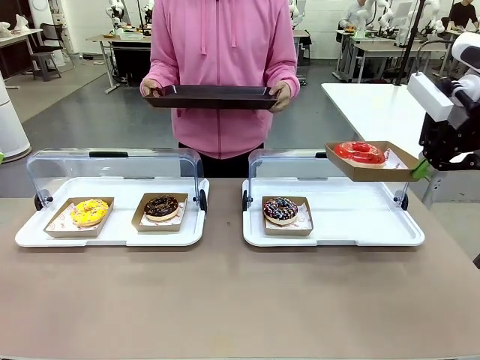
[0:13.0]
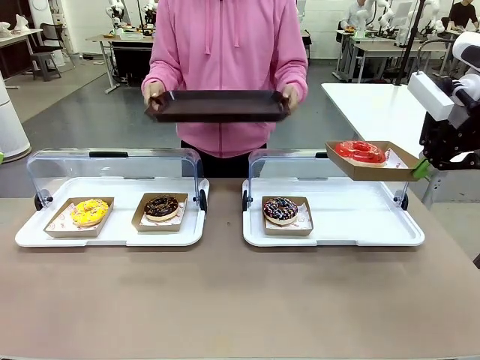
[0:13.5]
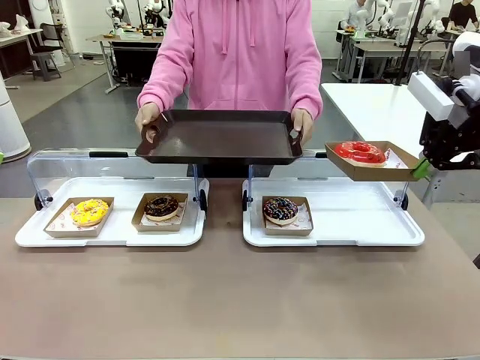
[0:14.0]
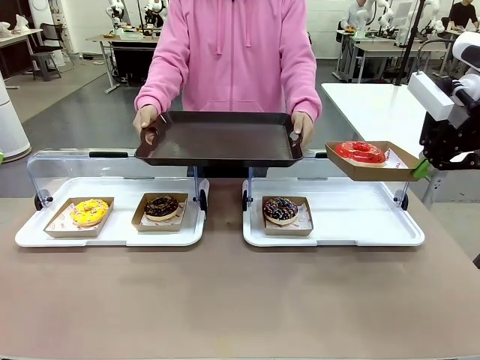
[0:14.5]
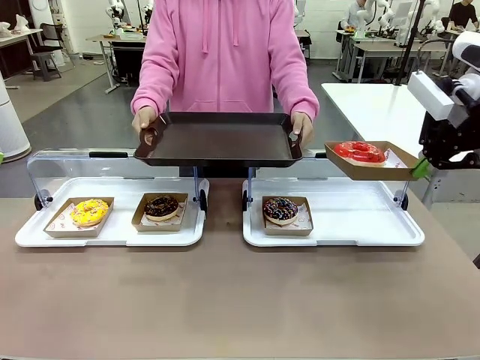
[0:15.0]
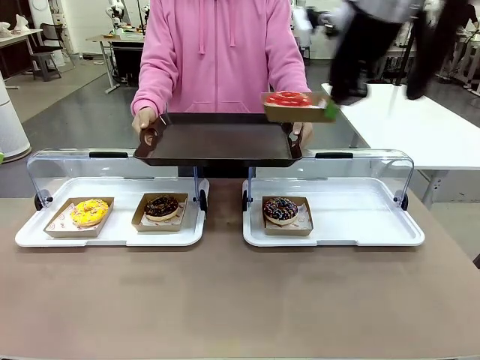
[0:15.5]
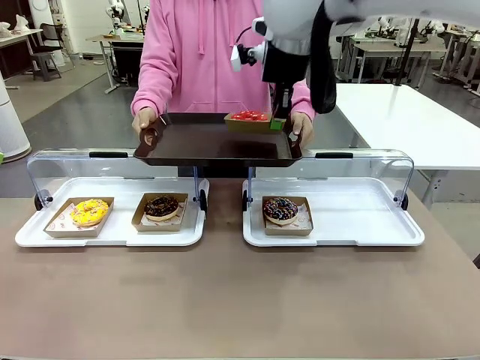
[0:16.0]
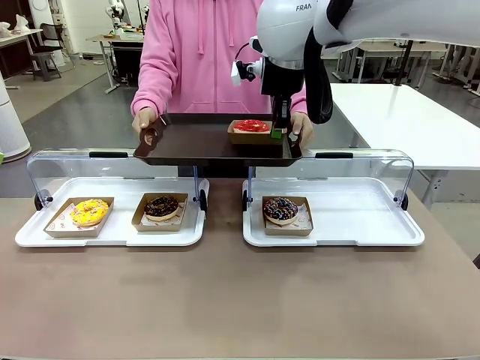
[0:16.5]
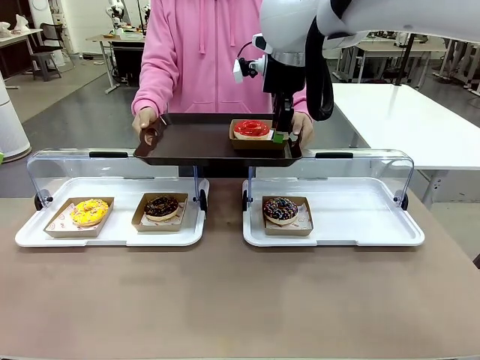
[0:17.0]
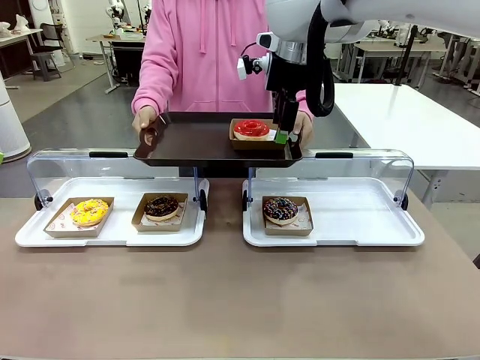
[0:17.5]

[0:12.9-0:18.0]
Task: Provide the desired donut to the person.
Robot: Place the picked Paper togo box onto the Handle tray extended by the person.

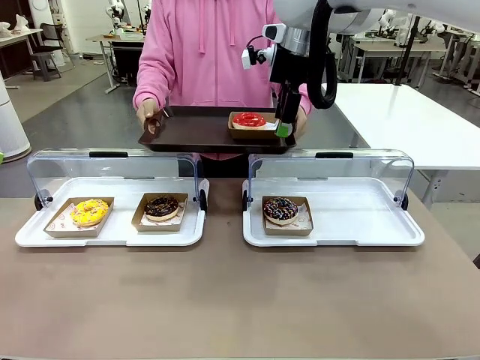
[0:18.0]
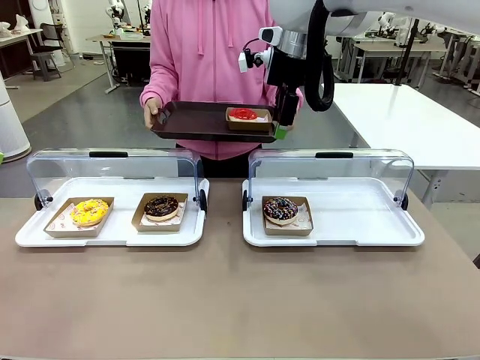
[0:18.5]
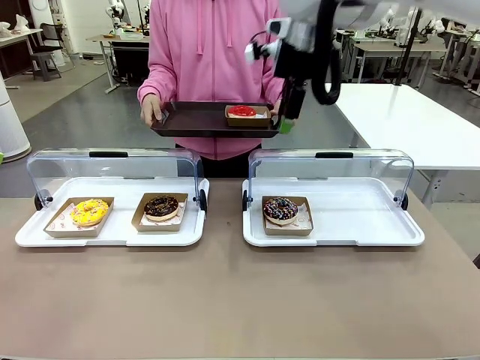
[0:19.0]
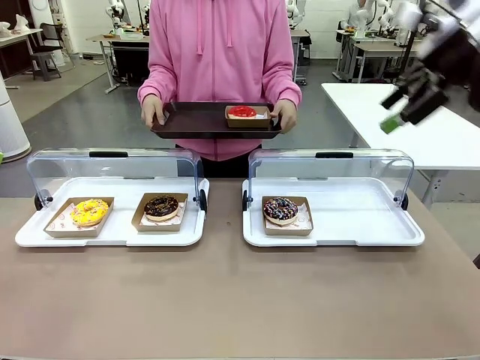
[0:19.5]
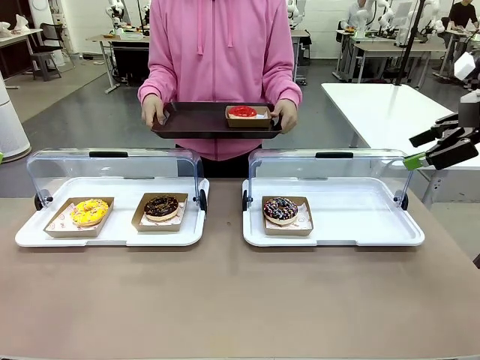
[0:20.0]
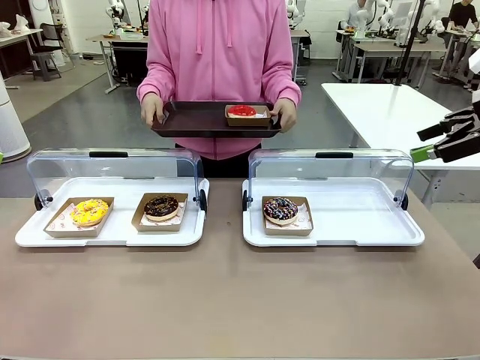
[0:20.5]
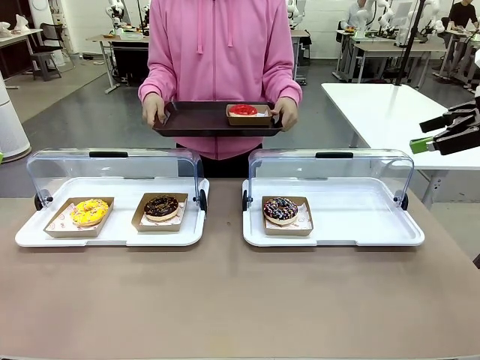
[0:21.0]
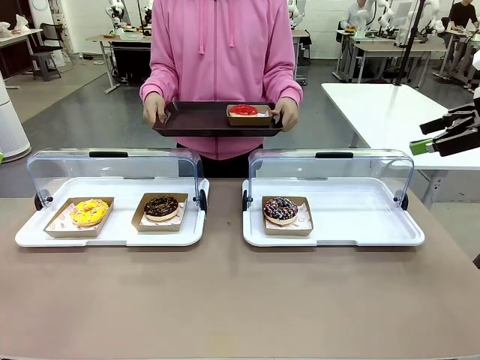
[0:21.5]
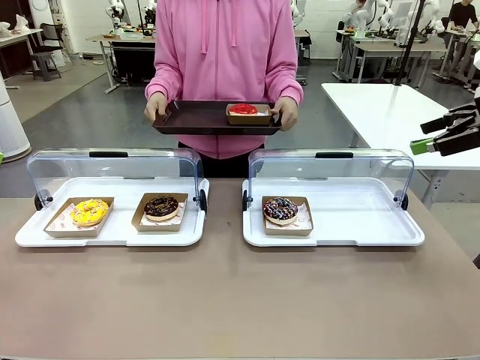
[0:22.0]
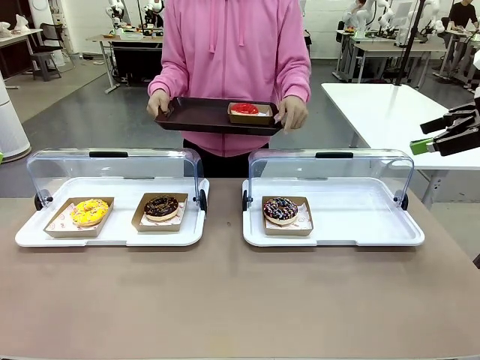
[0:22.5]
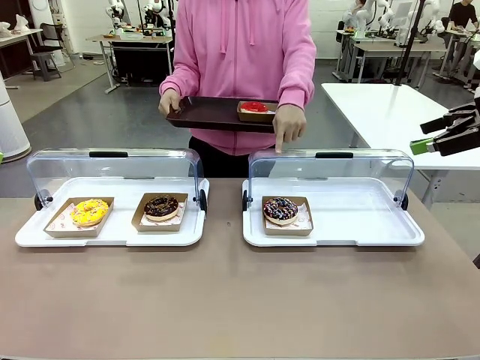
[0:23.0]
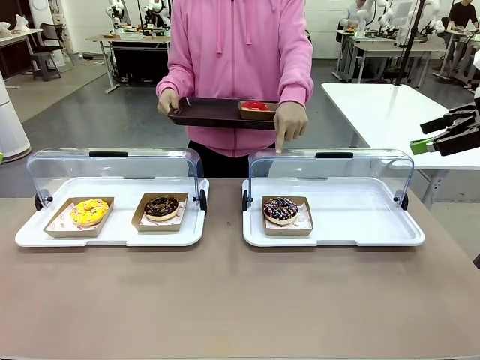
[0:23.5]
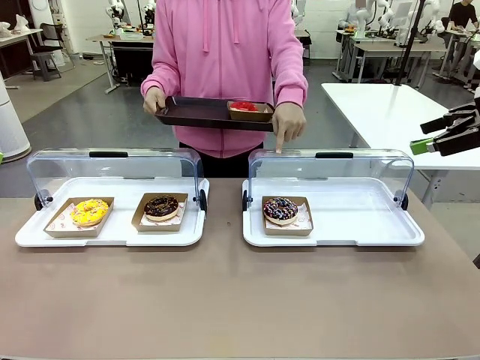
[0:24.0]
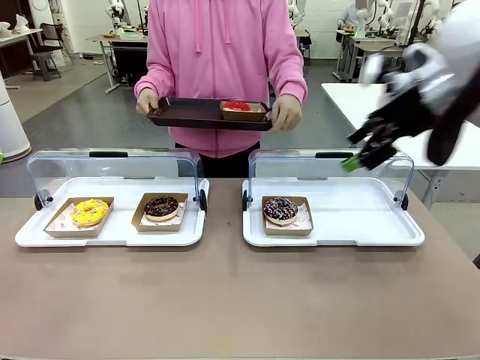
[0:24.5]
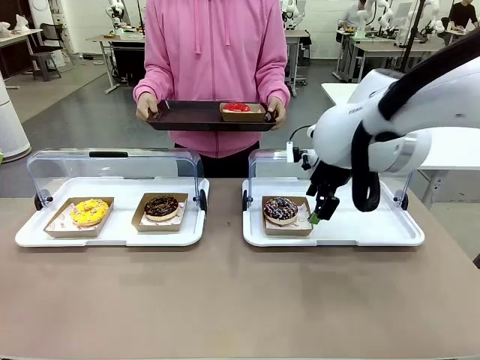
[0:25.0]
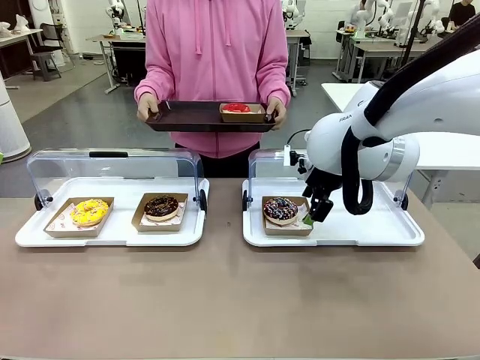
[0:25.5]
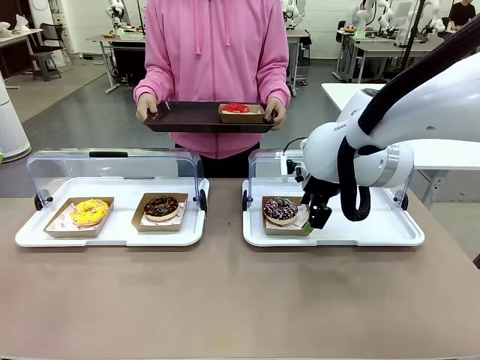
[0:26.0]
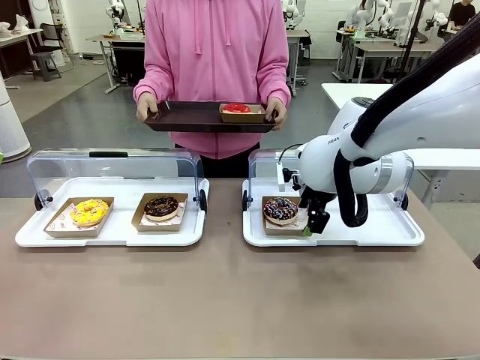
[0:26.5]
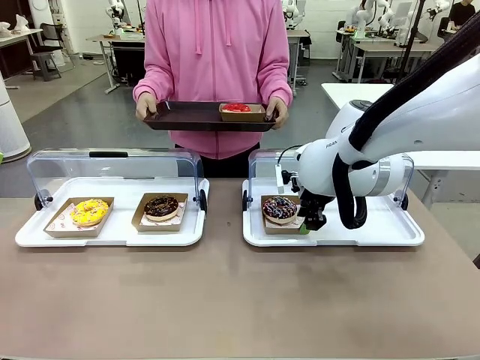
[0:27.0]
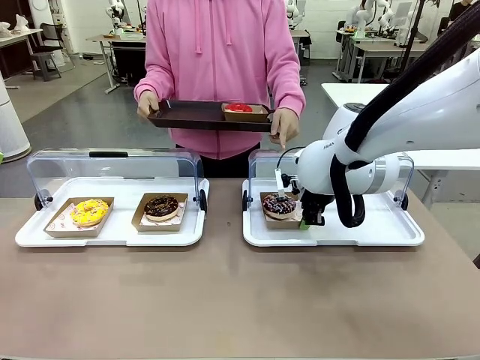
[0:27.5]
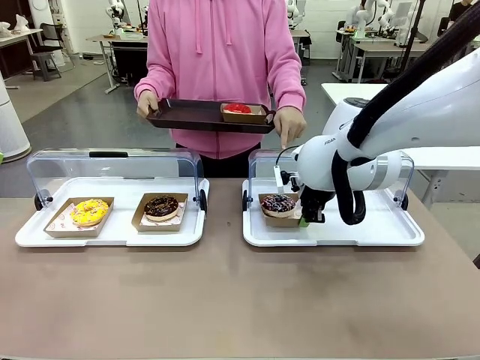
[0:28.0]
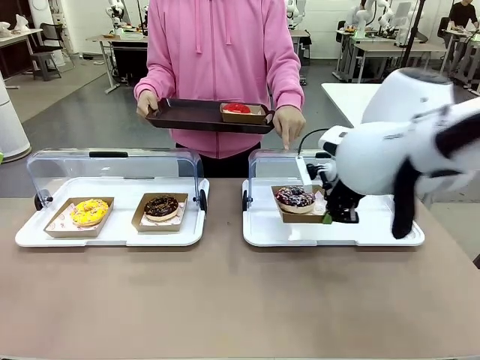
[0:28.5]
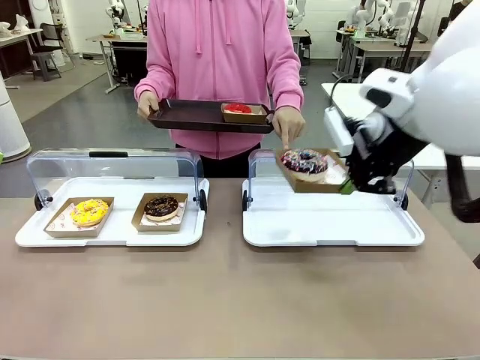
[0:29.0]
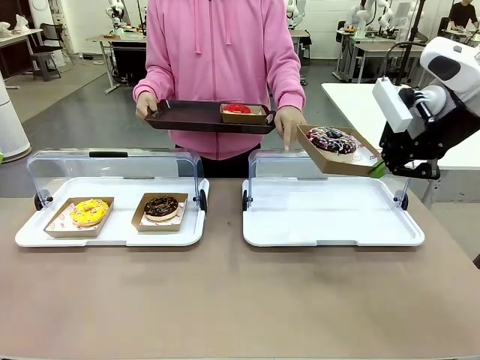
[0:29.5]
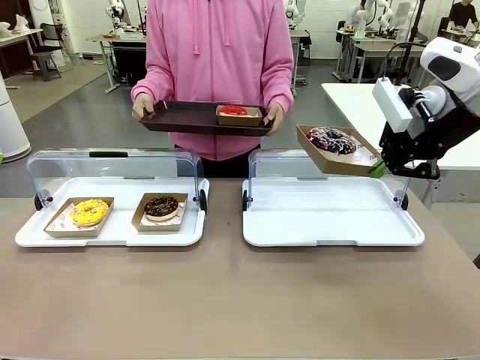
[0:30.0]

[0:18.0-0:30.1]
Robot: Pick up and lift the Paper togo box containing the Donut pointed at by the person.
Person: Point to one donut. Lift the tray onto the Roll-Top Bakery Case.

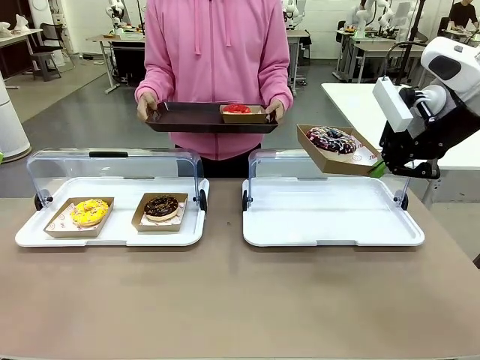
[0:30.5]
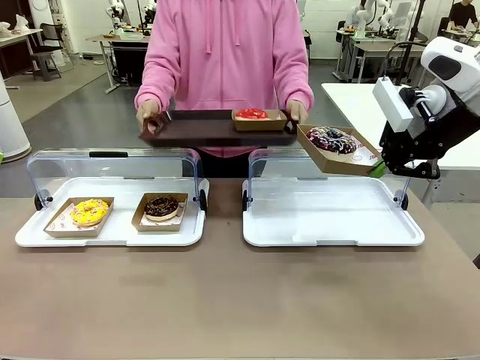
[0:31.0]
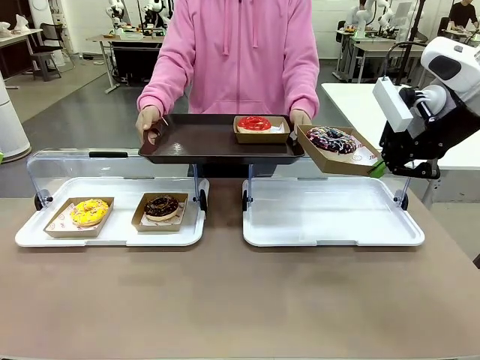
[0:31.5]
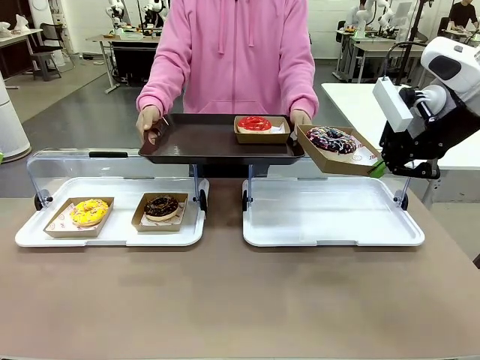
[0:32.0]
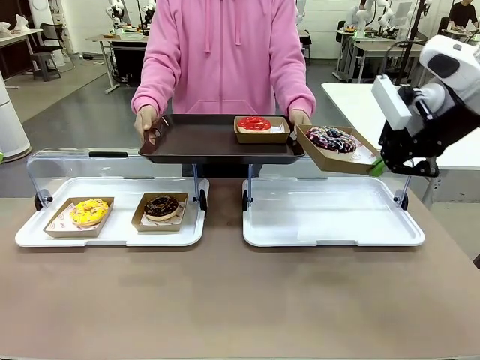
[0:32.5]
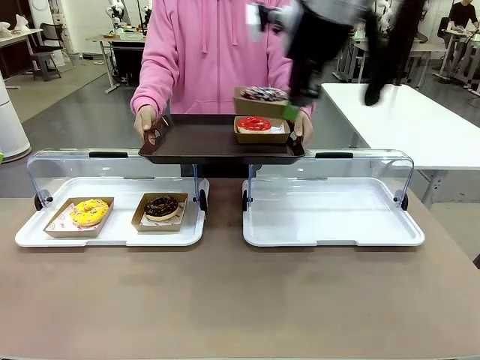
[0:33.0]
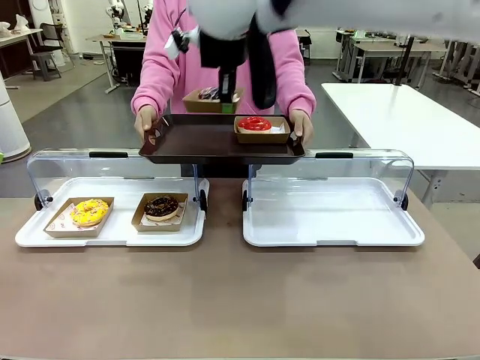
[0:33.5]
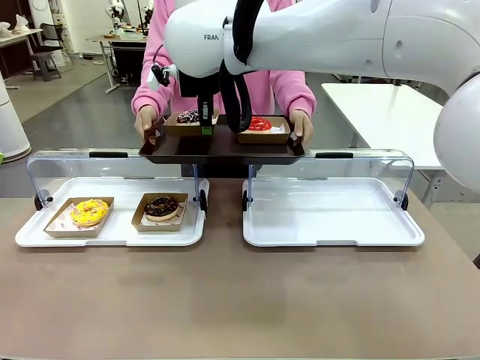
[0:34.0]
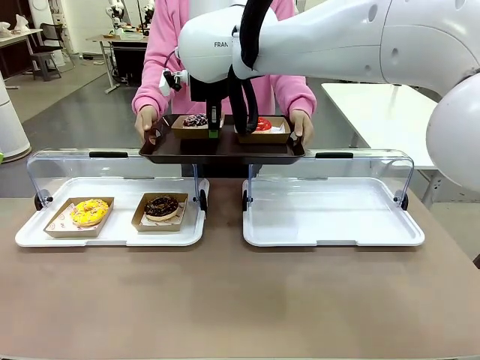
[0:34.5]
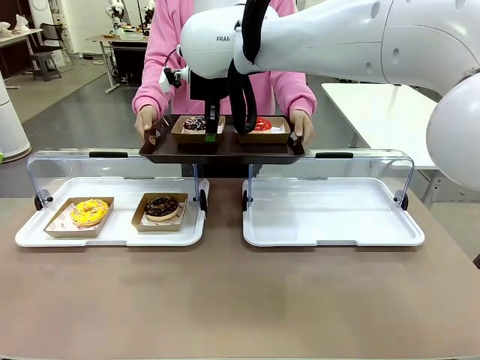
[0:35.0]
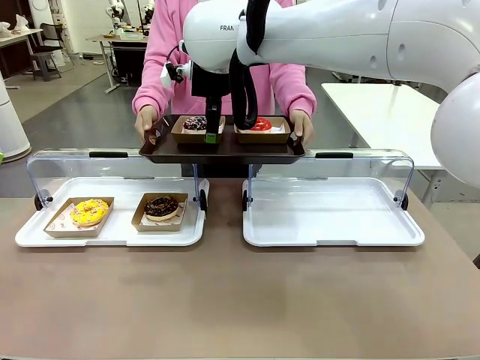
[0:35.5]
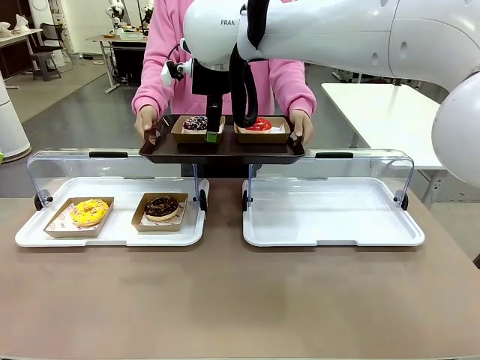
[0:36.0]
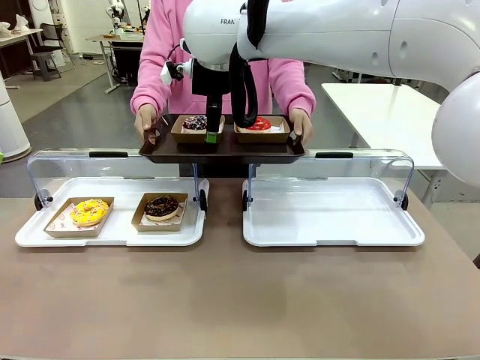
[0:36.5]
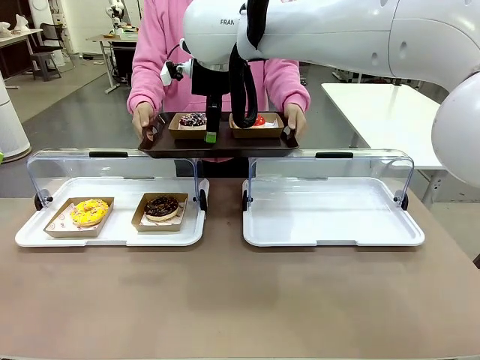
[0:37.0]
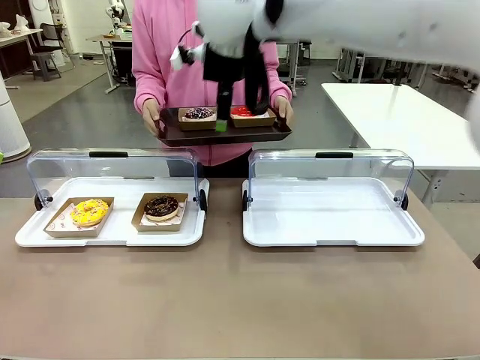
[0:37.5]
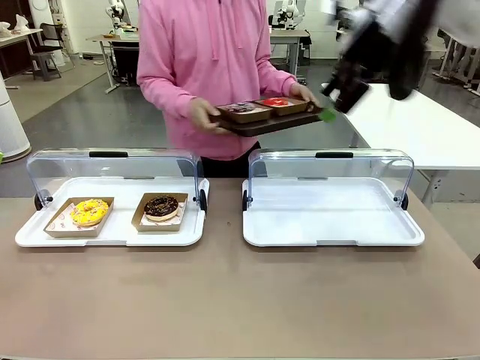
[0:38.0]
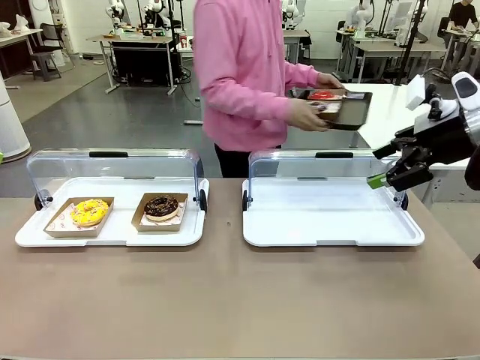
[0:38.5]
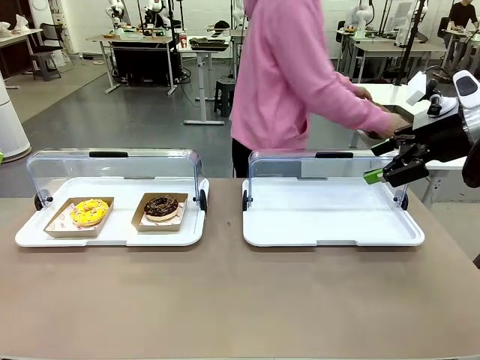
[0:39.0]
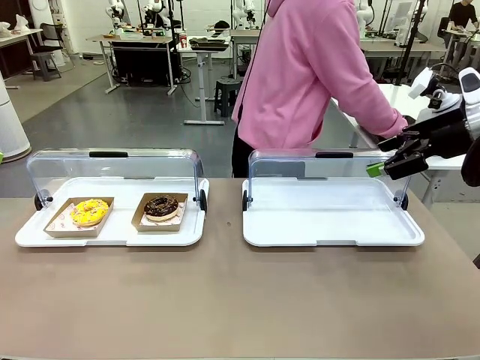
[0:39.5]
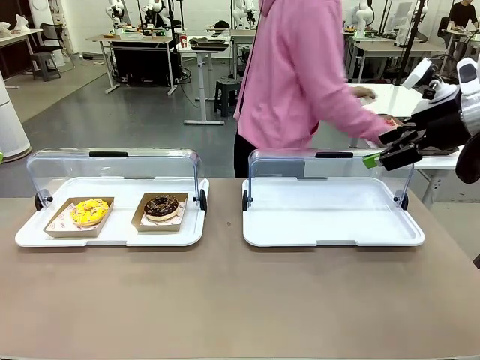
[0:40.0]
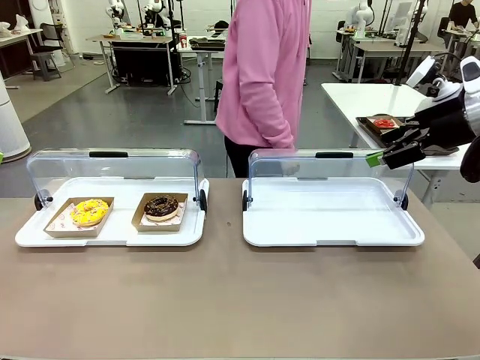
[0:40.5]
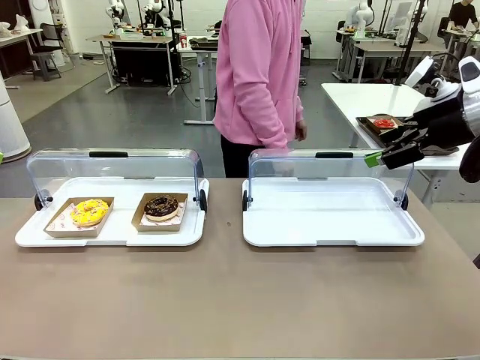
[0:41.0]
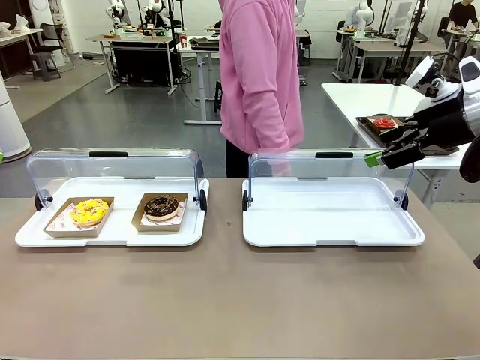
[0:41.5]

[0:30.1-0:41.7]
Robot: Place the picked Paper togo box onto the Handle tray extended by the person.
Person: Place the tray in the middle of the human table.
